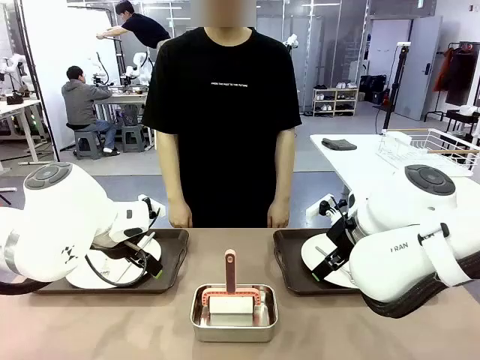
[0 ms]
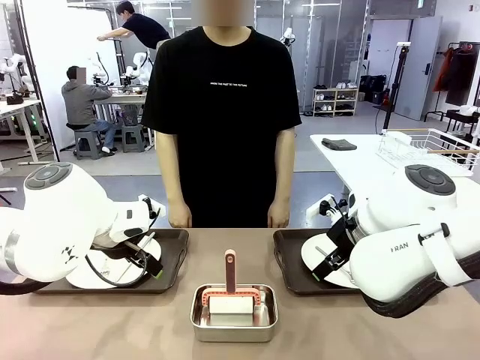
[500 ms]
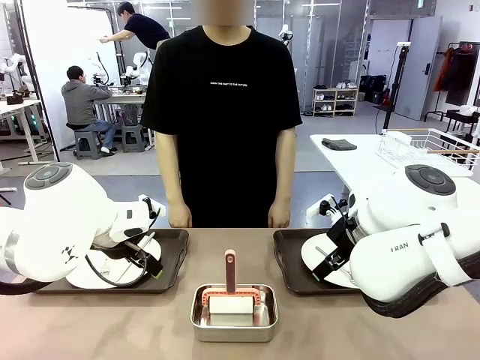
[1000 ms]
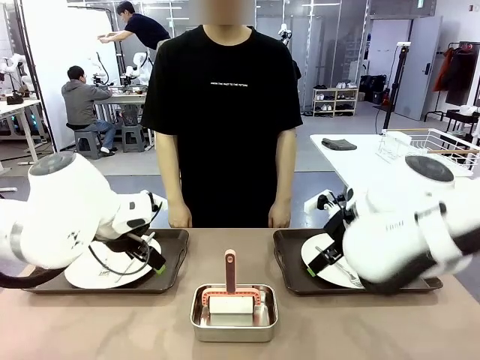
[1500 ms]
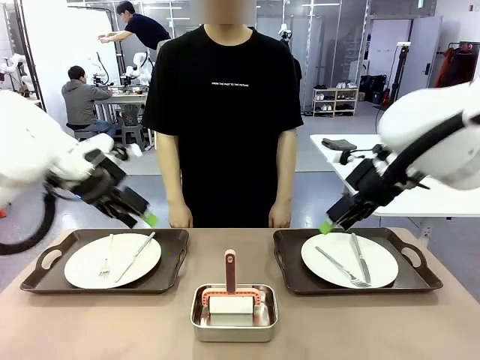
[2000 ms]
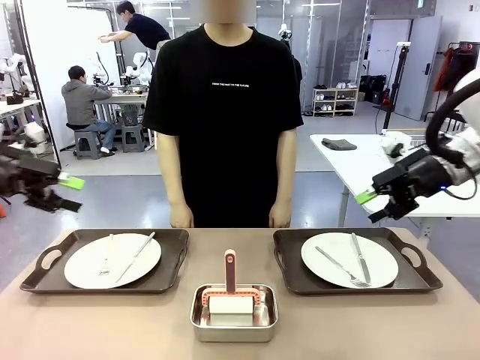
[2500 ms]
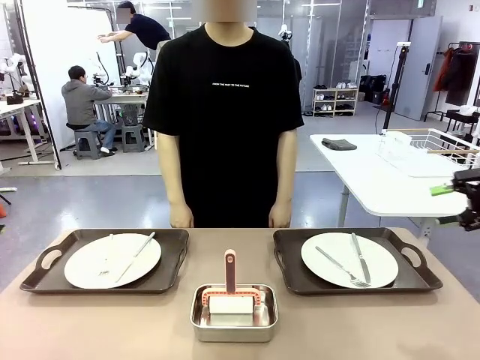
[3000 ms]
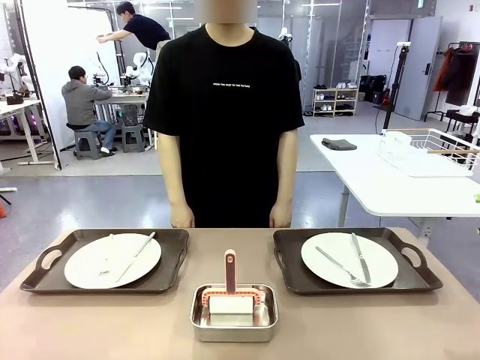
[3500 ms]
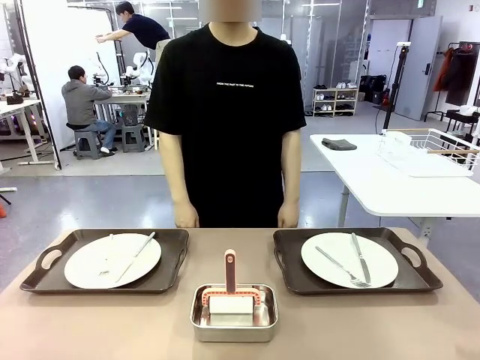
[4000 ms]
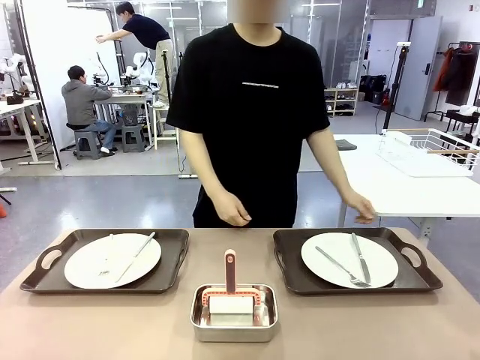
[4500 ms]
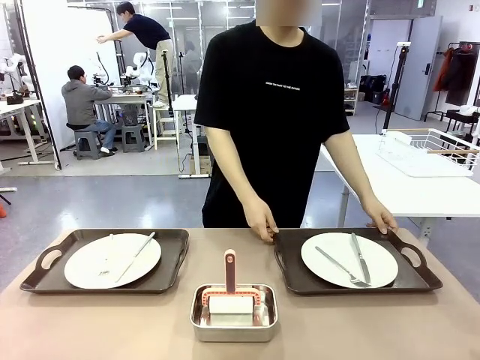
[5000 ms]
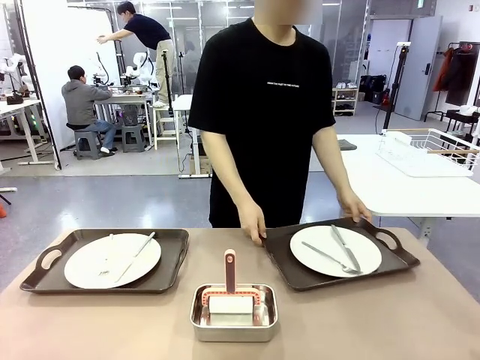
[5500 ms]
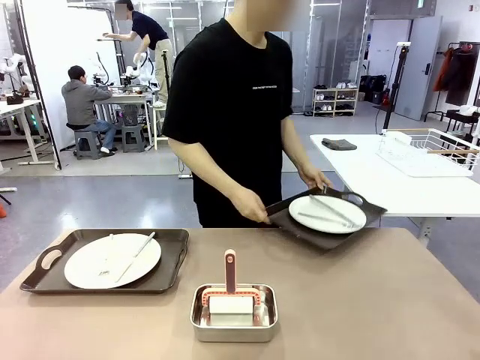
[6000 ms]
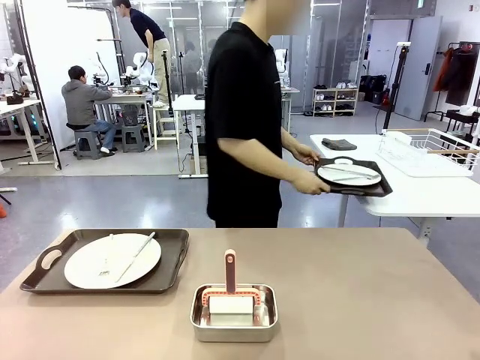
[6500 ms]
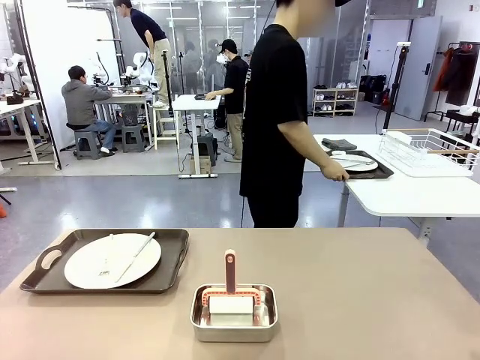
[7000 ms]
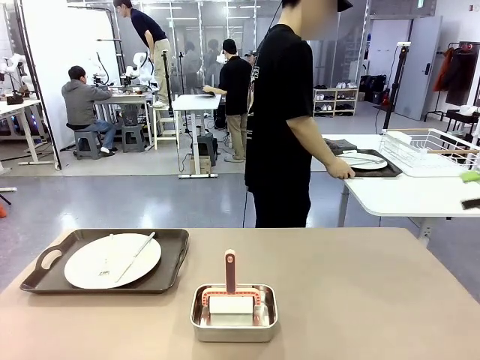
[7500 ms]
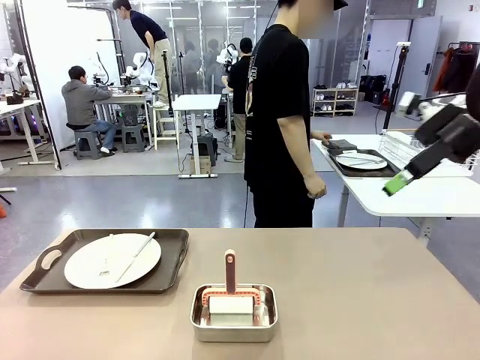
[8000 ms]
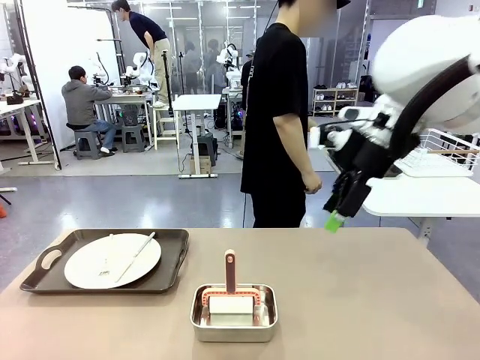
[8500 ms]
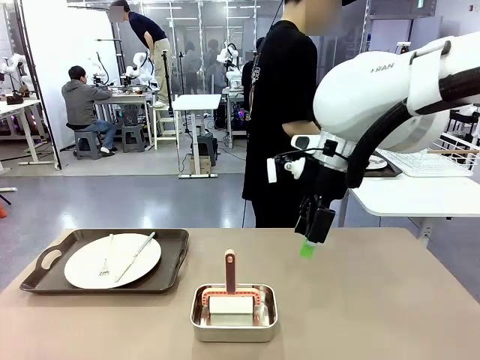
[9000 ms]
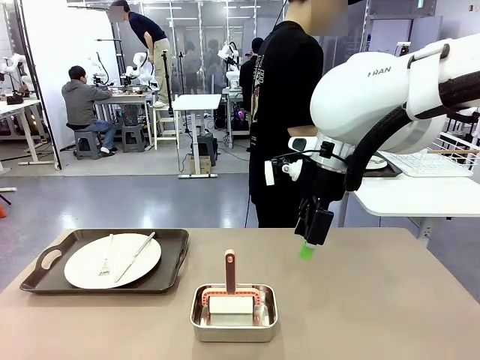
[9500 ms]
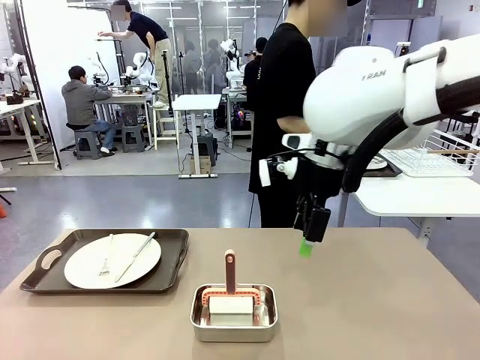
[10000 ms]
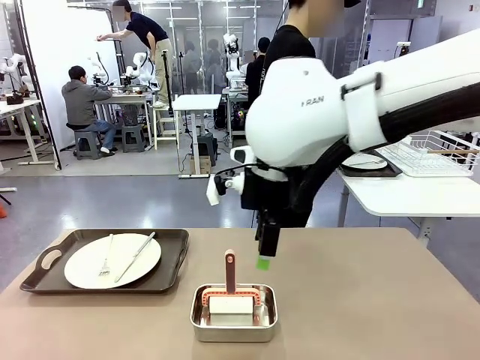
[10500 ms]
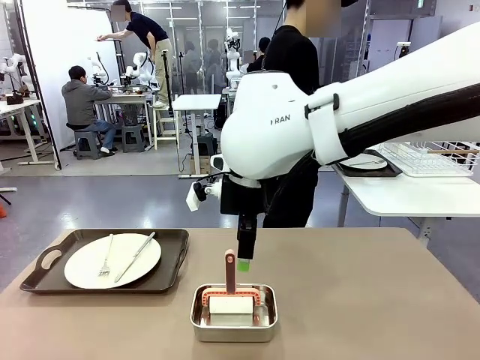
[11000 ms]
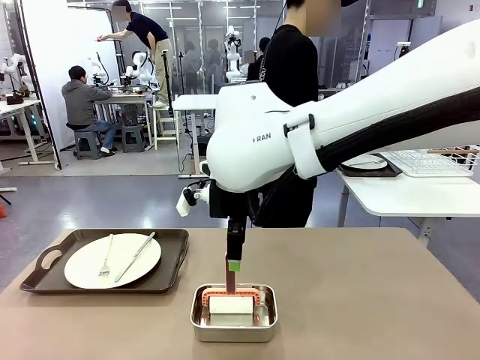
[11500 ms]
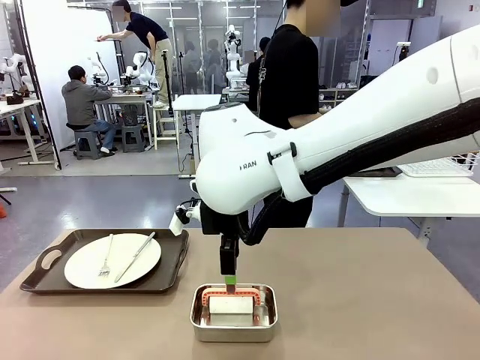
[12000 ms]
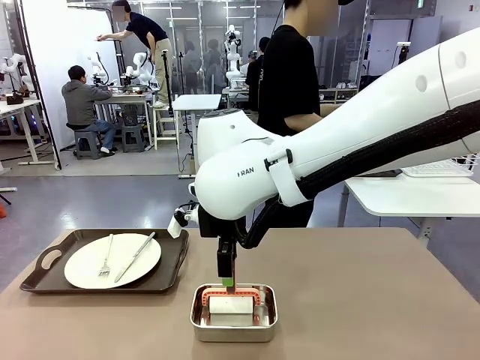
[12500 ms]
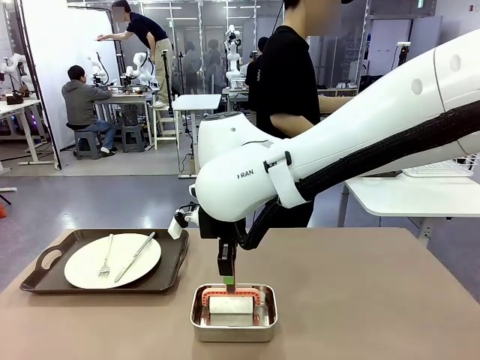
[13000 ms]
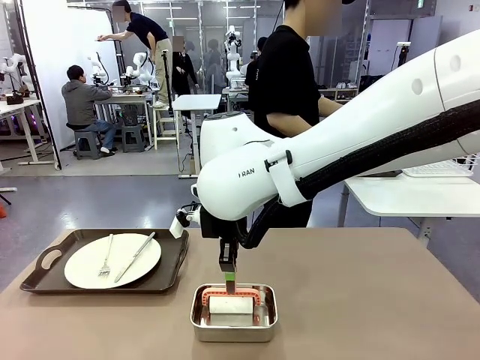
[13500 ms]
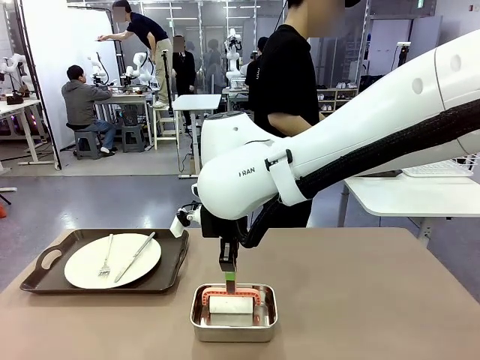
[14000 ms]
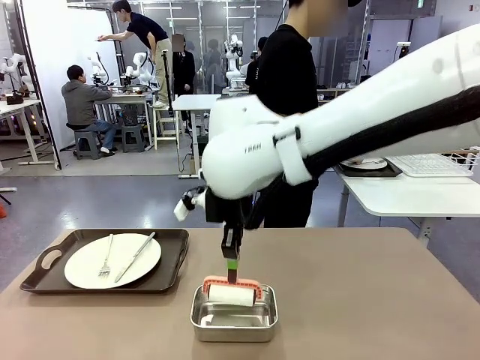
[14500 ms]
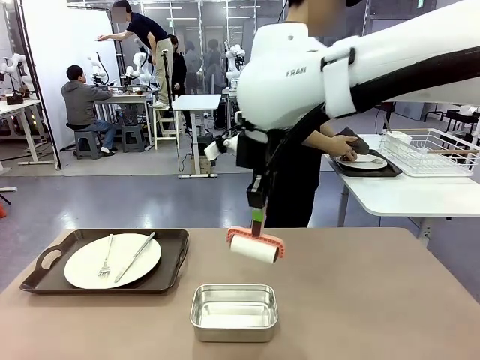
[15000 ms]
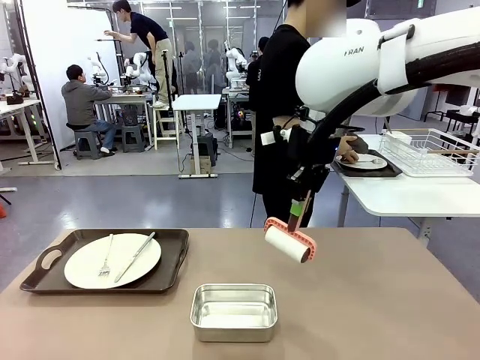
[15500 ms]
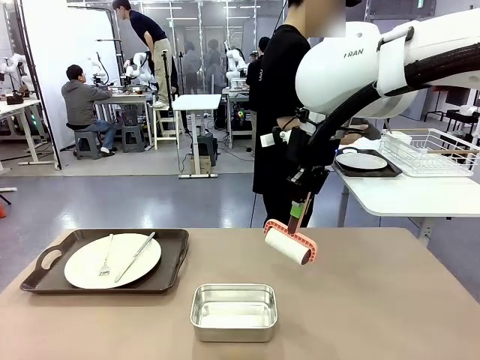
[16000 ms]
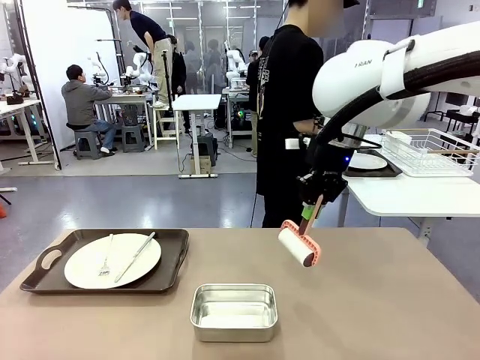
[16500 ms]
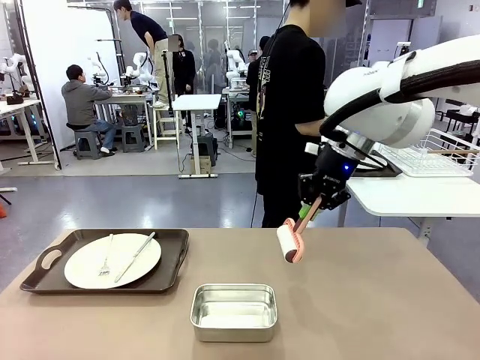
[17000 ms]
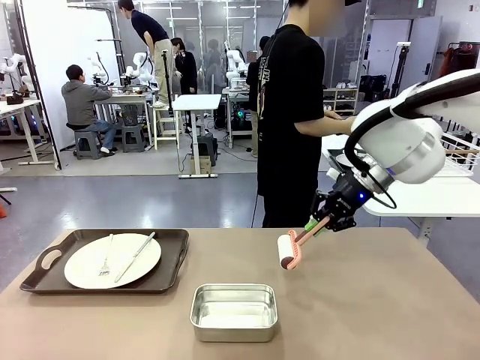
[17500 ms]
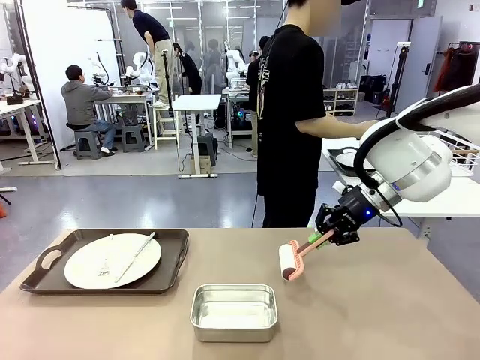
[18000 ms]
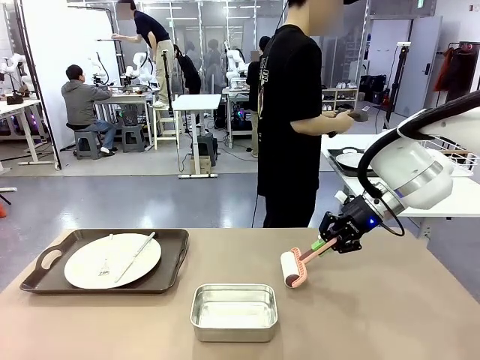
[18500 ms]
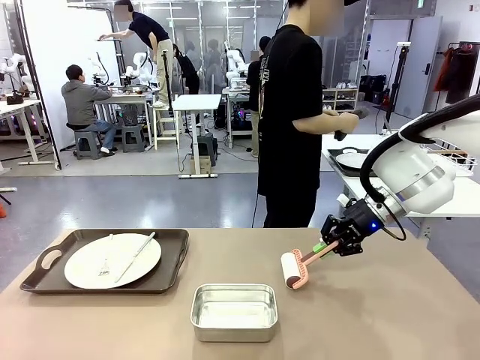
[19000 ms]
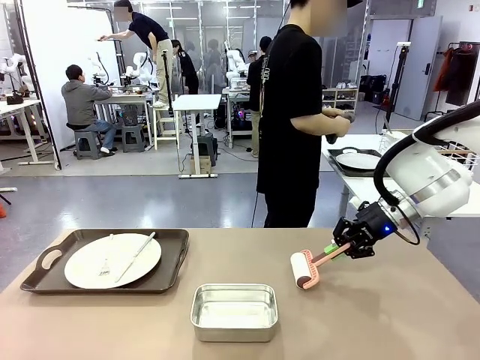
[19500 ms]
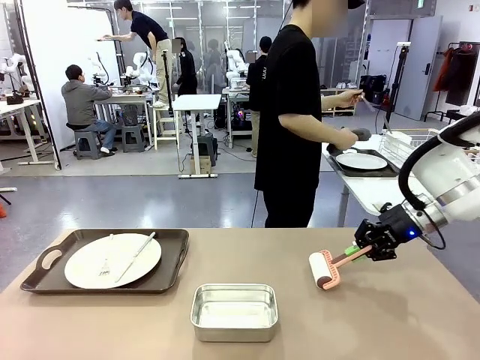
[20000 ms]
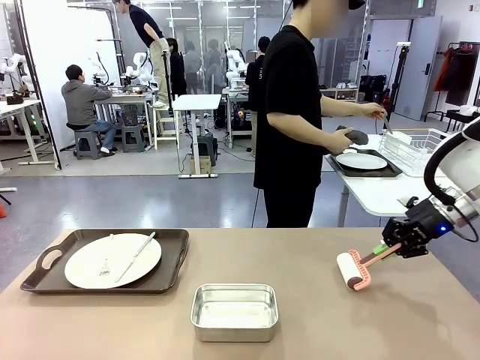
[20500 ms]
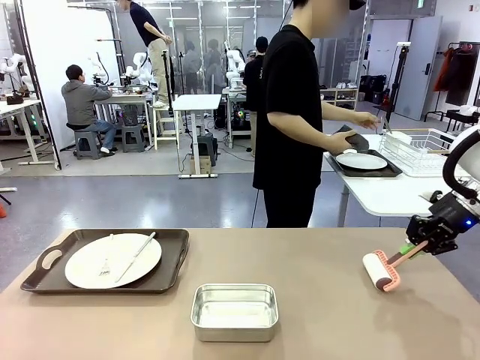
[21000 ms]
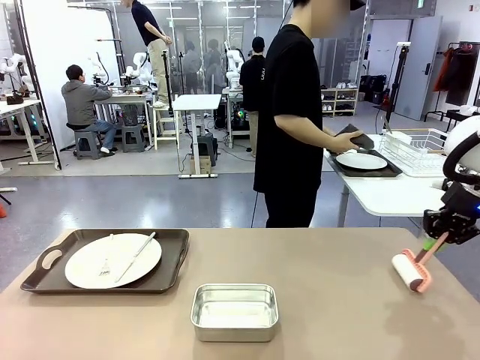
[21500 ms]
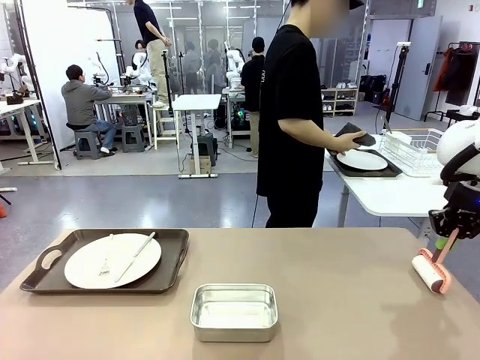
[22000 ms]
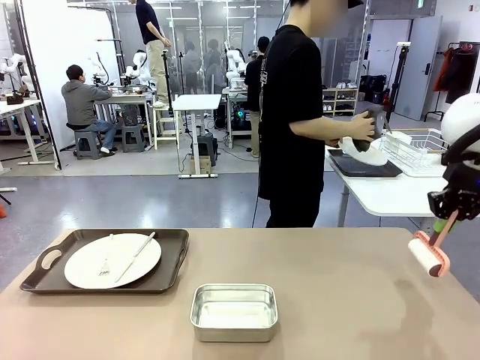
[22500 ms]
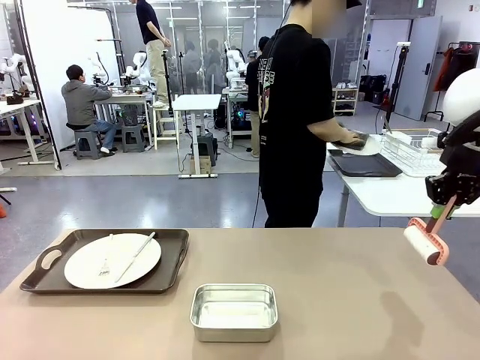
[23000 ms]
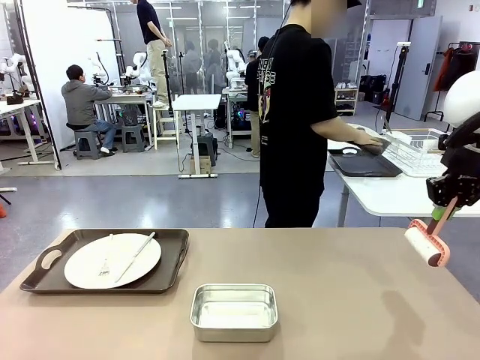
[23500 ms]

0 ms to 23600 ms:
Robot: When the left (or right) Handle tray is removed, use the left hand (or right hand) to clean the left (or right) side of the table with the Lint Roller.
Person: Pick up the left (or right) Handle tray and place it on the middle of the Human's table. Use the Towel with hook to wipe the Plastic Matte Plate , Fork , and Knife and place into the Dish drying rack.
